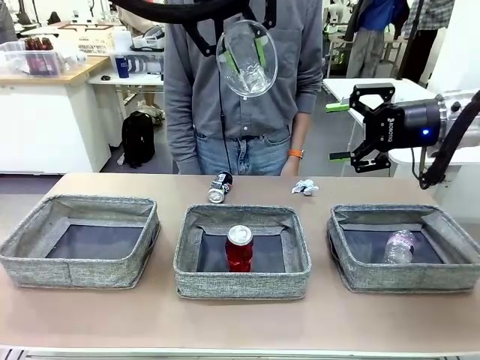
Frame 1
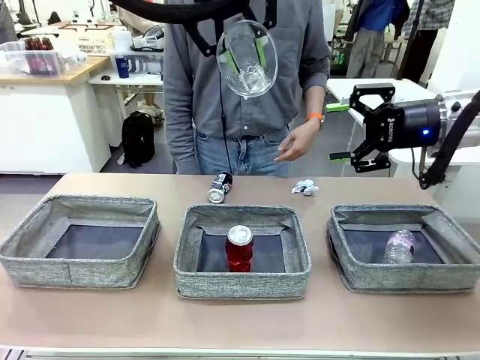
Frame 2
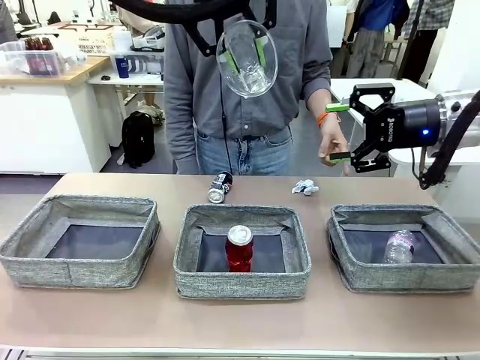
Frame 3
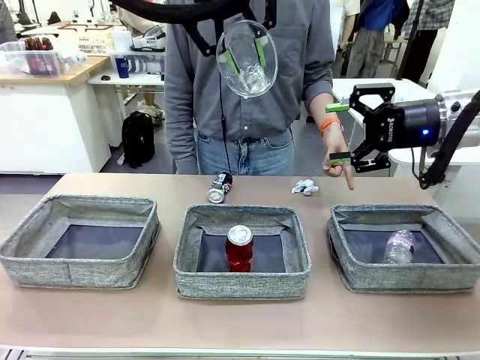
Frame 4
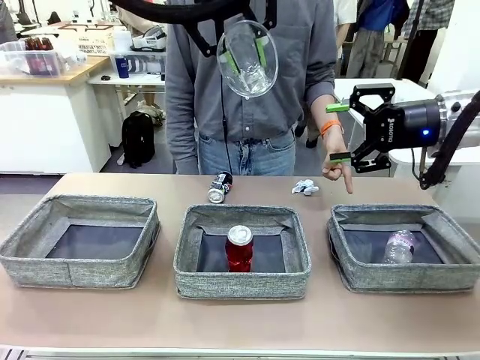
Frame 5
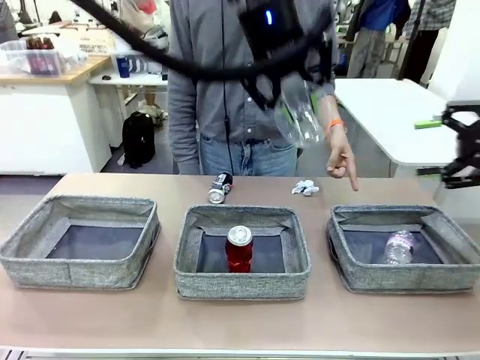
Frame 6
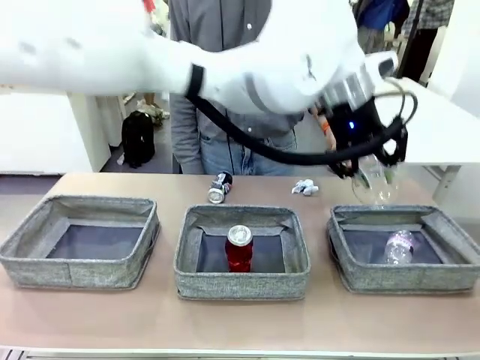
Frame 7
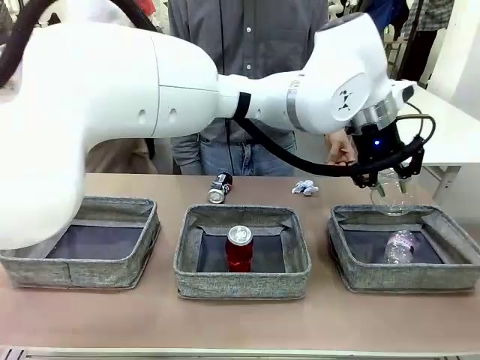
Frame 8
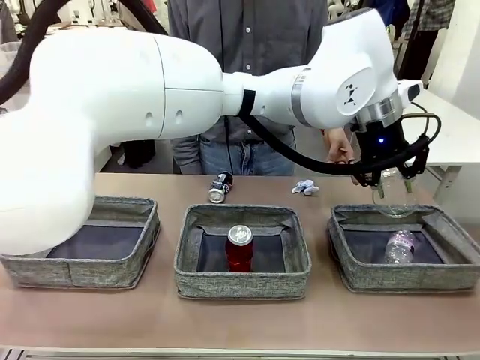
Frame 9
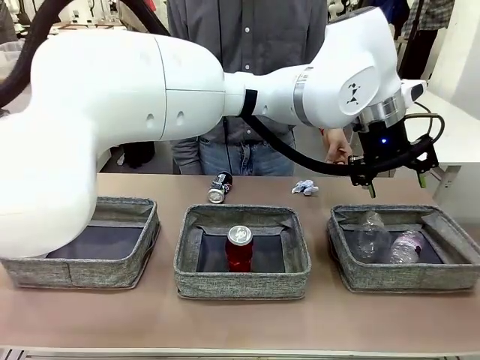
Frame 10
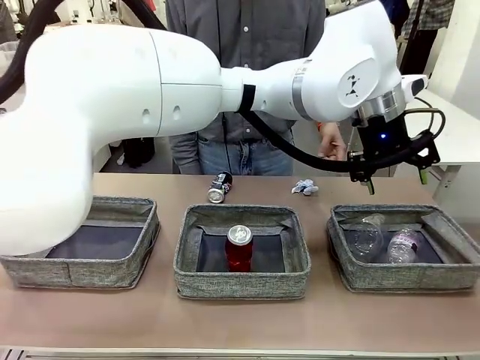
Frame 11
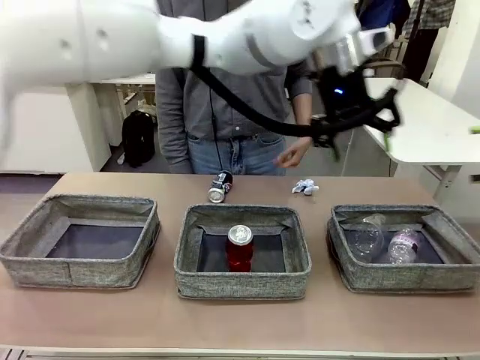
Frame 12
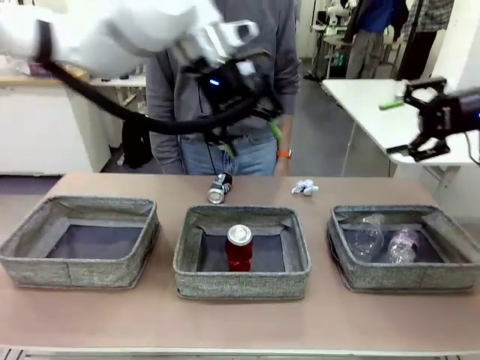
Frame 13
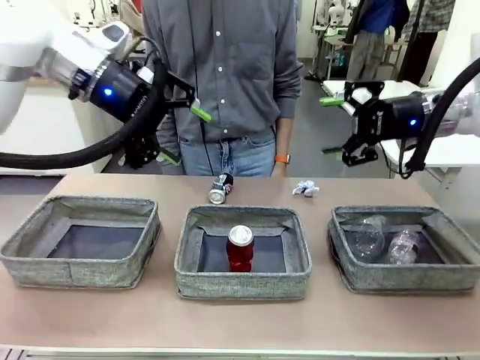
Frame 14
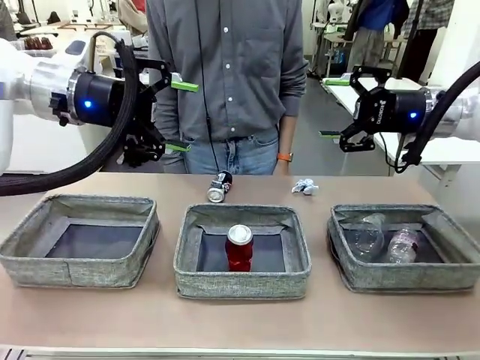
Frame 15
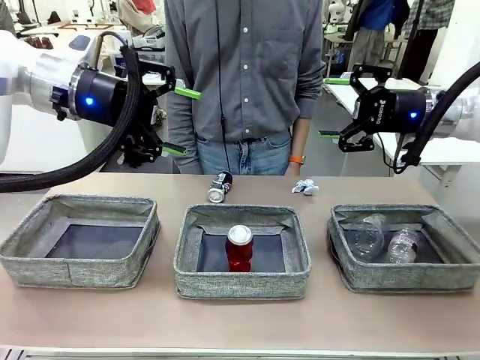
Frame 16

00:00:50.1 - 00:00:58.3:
Task: Sort the waste into the appropriate baskets.
Robot: Place the picked waste into the Fabric basket indicated by the person.
Person: Instructs the robot to place the picked-up trash into the appropriate organizing basket.

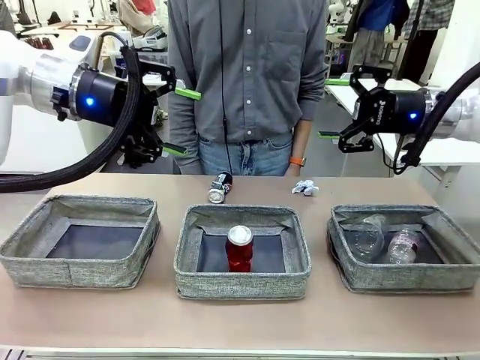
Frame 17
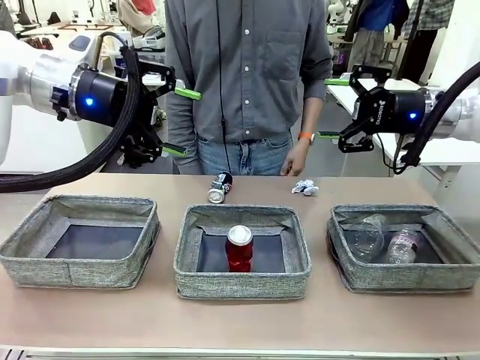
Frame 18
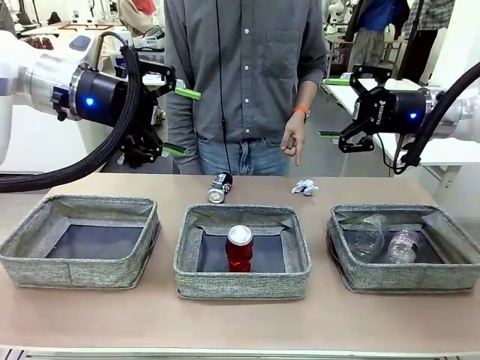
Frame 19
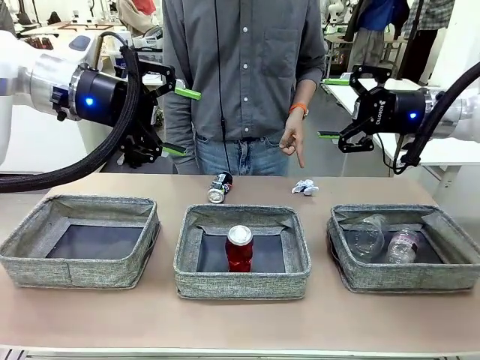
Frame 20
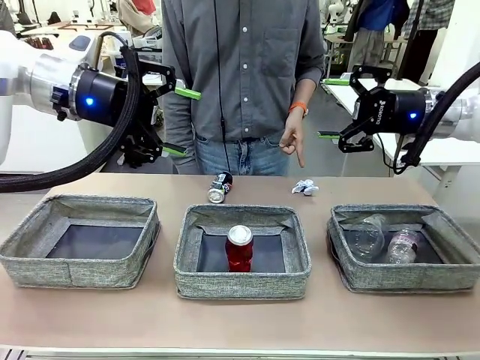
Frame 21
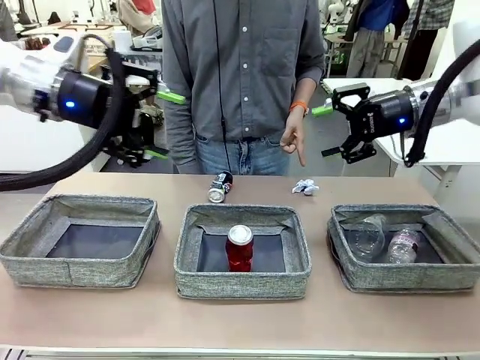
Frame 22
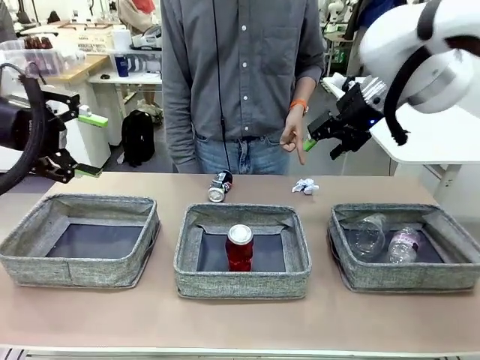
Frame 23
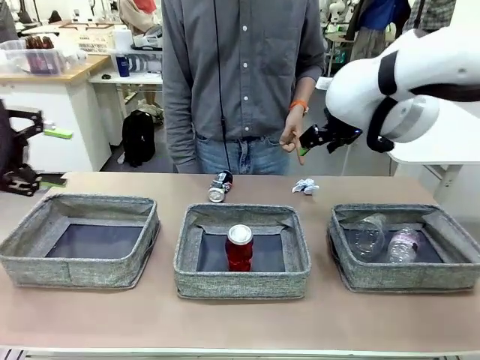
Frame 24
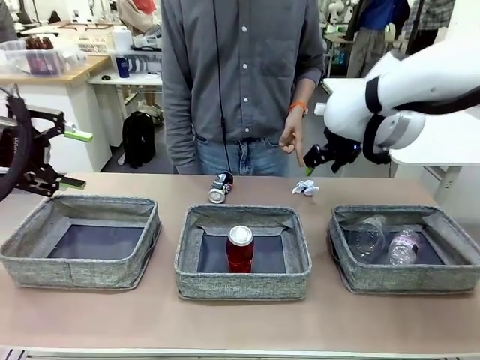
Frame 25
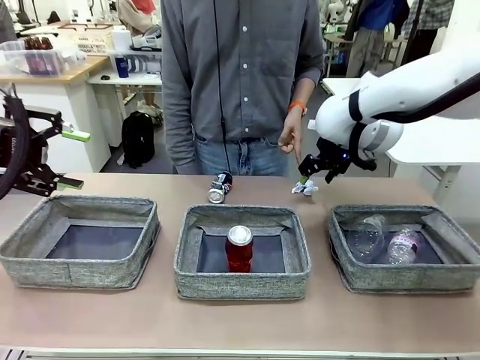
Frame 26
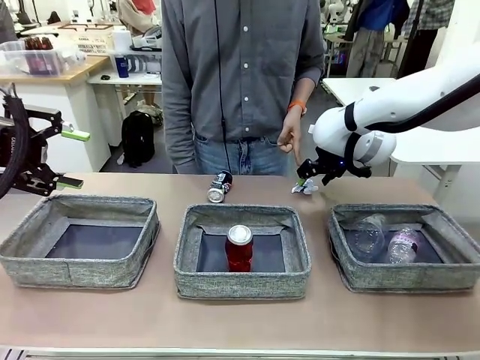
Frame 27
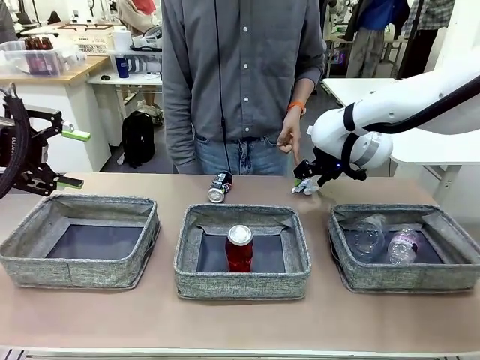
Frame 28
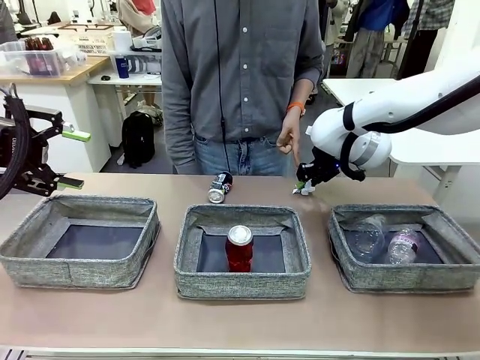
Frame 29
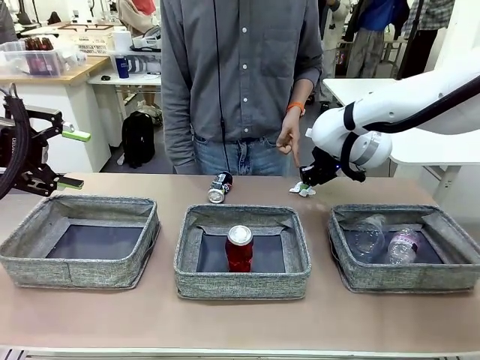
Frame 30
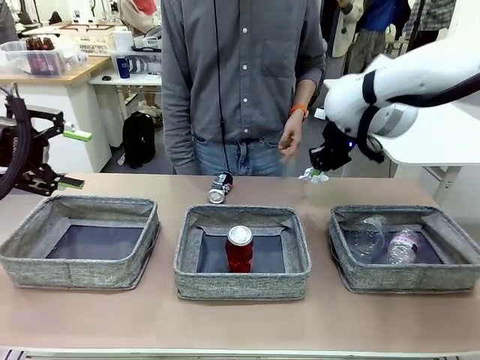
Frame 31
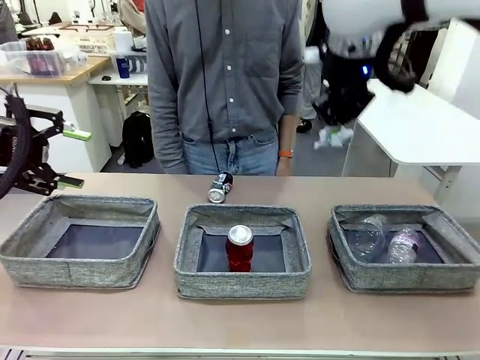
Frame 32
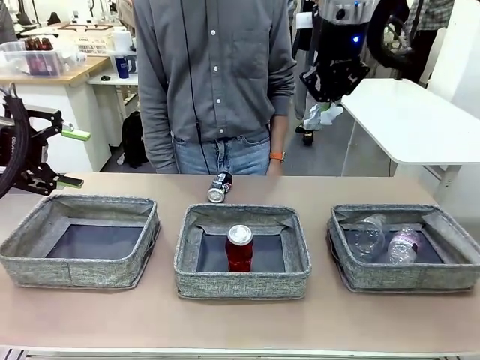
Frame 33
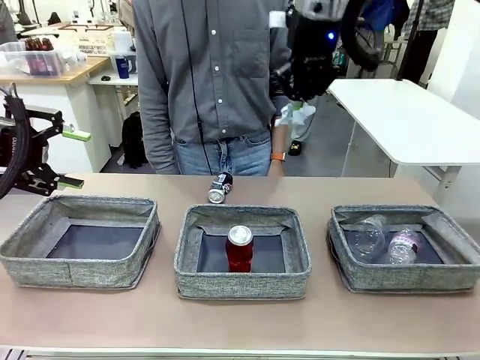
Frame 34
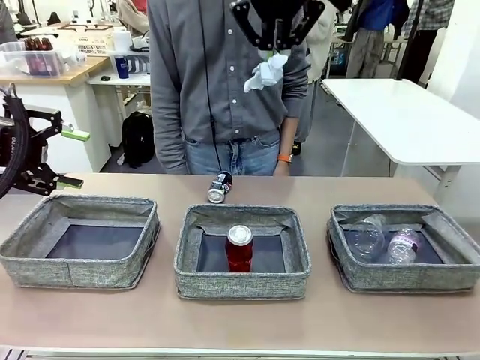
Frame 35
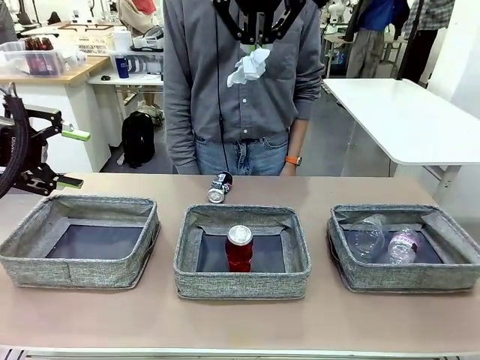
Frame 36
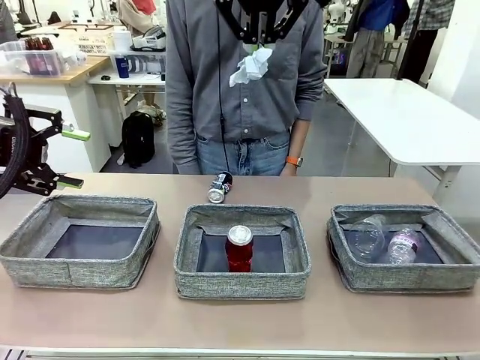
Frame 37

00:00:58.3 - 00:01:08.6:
Robot: Pick up the waste item pointed out by the person.
Person: Points to one piece of trash on the table.

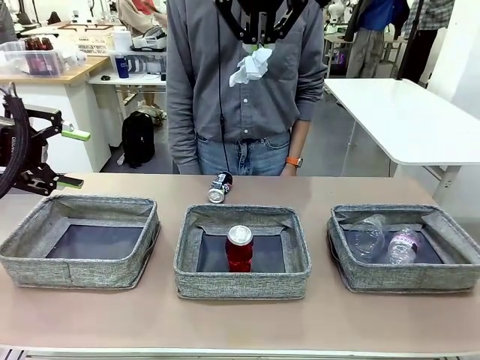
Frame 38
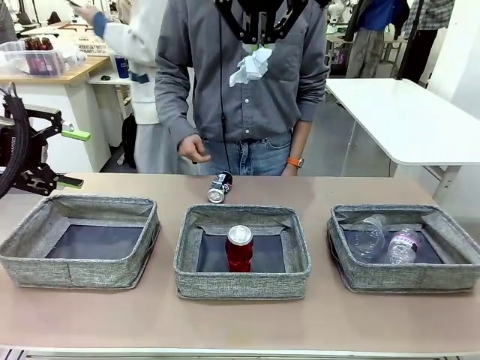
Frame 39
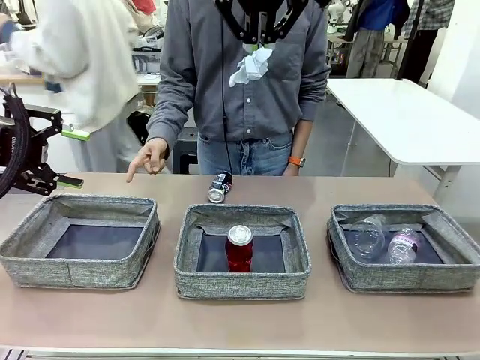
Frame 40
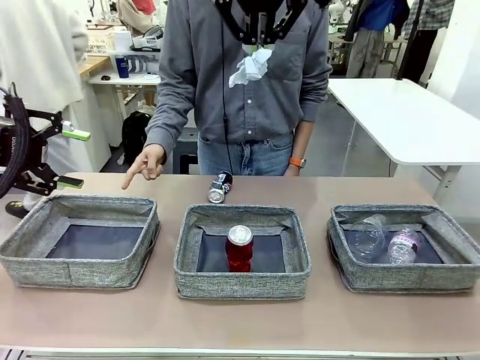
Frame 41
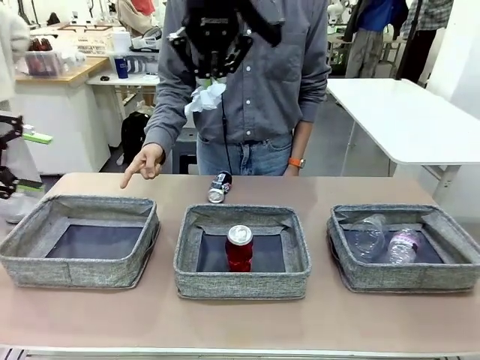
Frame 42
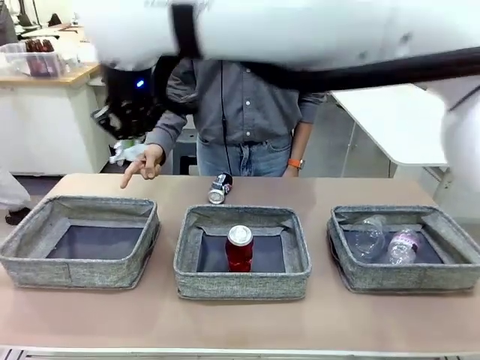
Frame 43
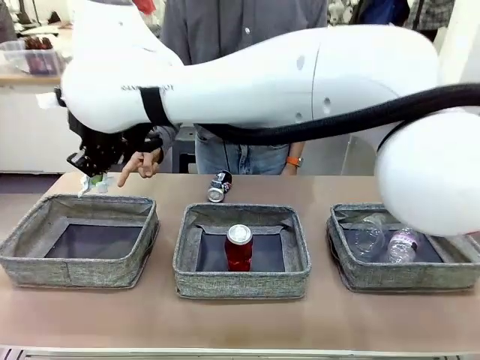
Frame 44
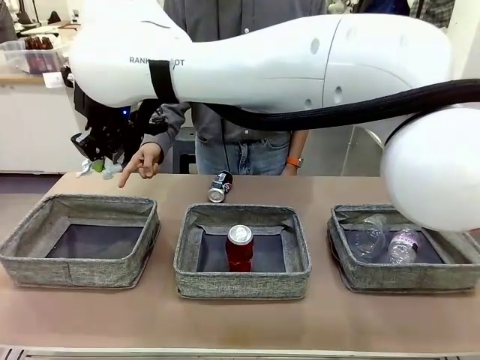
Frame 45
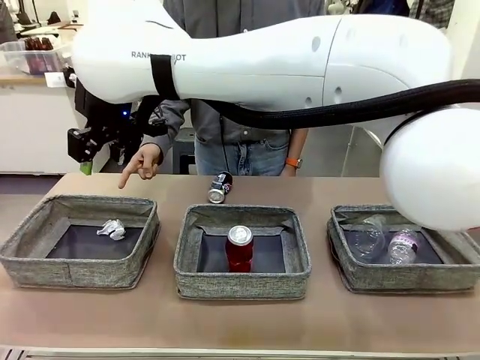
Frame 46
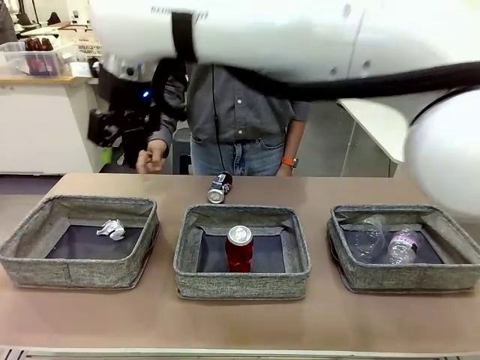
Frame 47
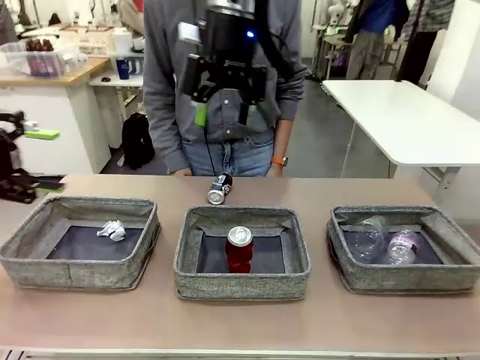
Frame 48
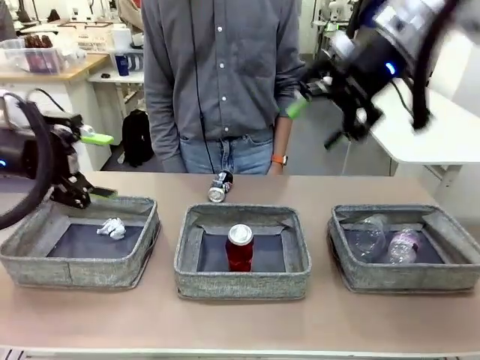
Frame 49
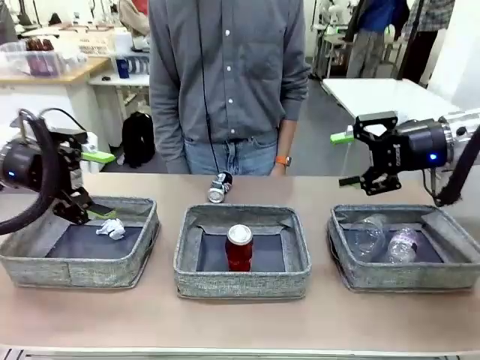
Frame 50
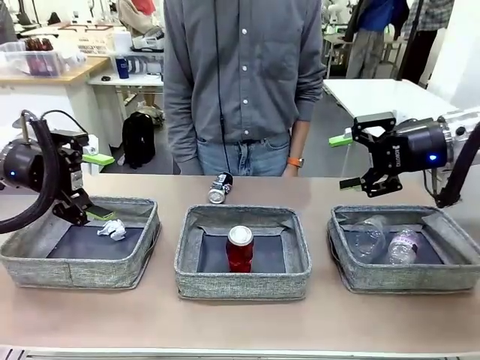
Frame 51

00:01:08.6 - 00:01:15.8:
Robot: Place the picked waste into the Fabric basket indicated by the person.
Person: Instructs the robot to place the picked-up trash into the appropriate organizing basket.

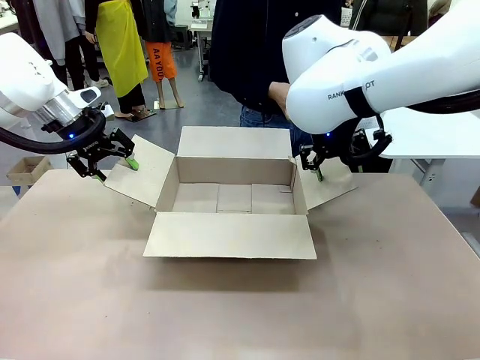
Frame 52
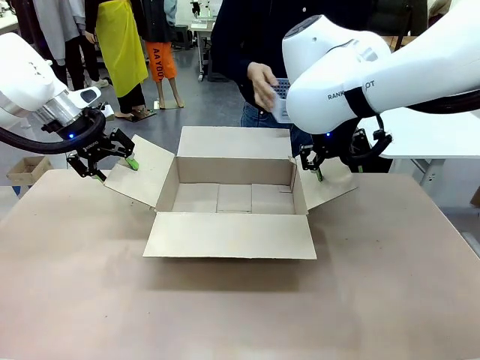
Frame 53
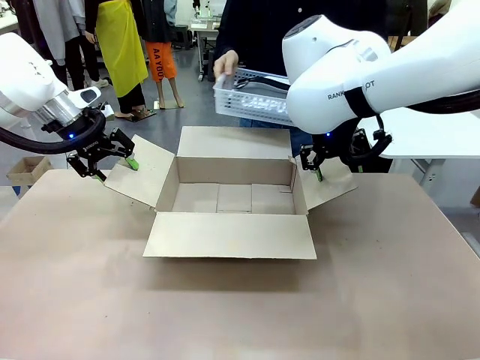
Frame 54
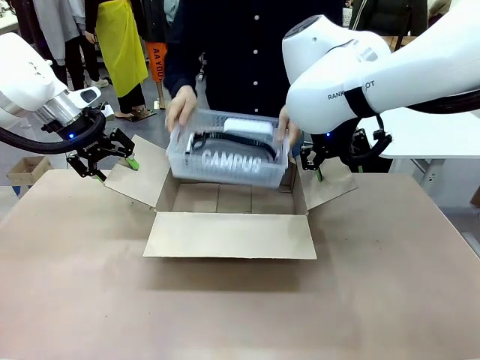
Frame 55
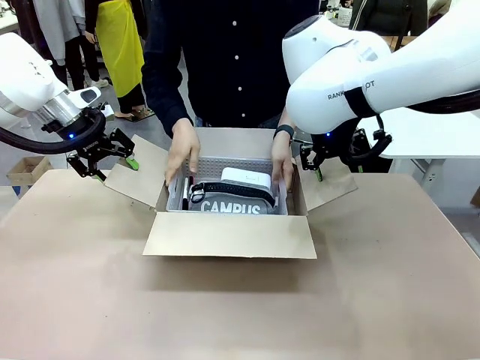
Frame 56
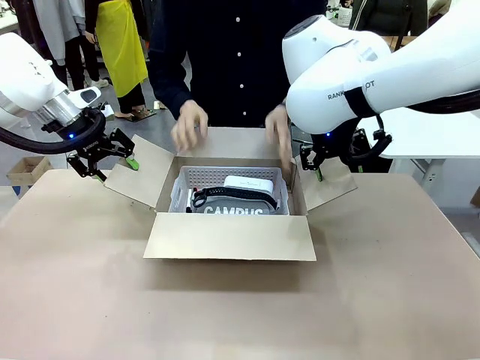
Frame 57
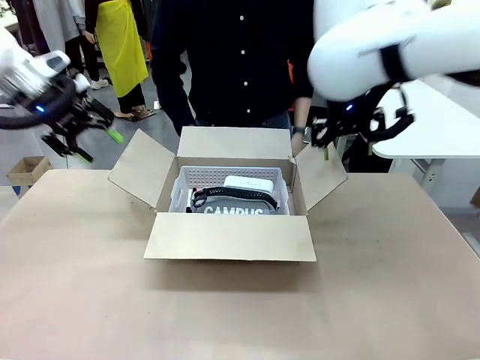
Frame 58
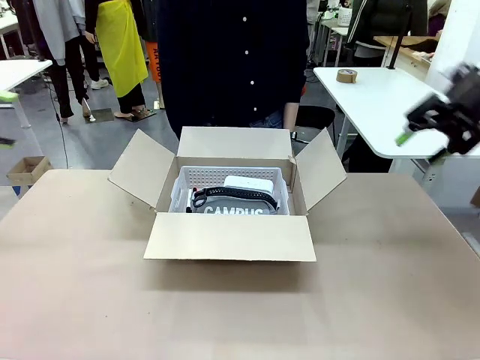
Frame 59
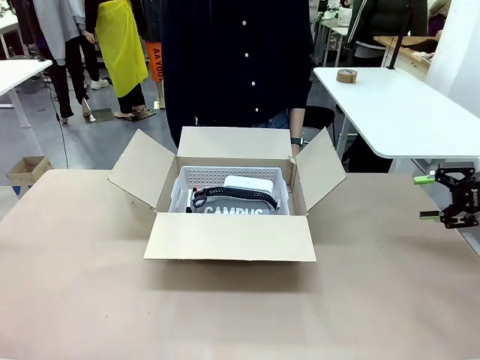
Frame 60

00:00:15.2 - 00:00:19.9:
Task: Pack the gift set into the box.
Robot: Lift both hands away from the flaps of the Package Box.
Person: The human picks up the organizing basket and places the organizing basket into the package box on the robot table.
